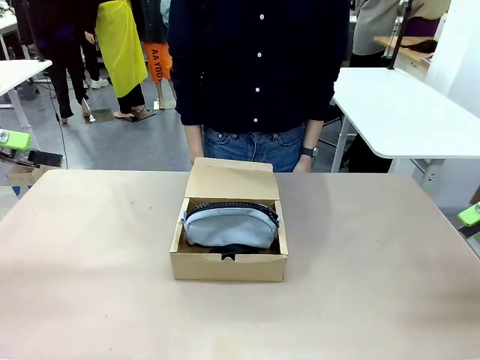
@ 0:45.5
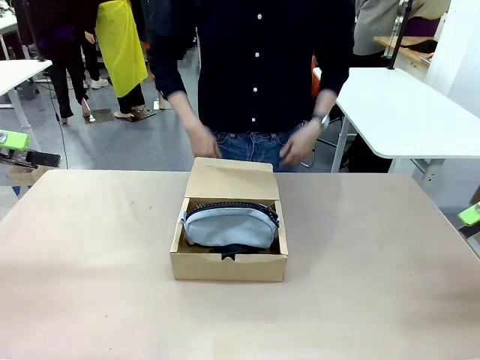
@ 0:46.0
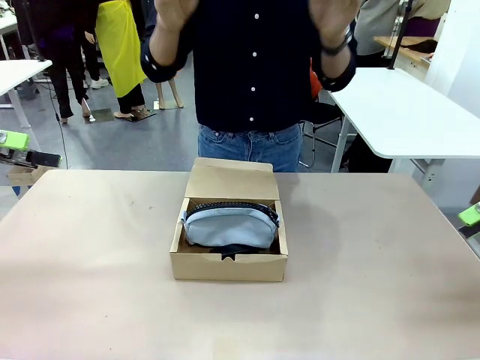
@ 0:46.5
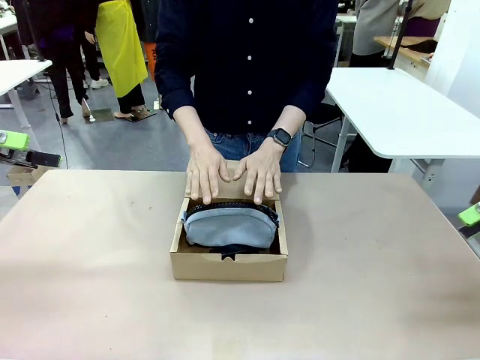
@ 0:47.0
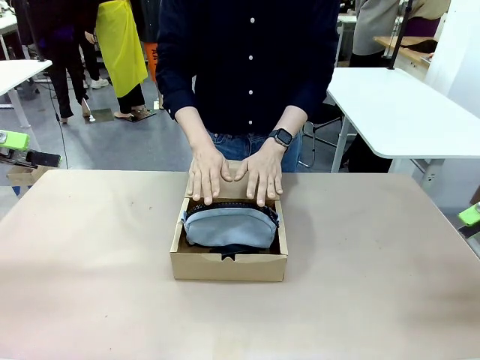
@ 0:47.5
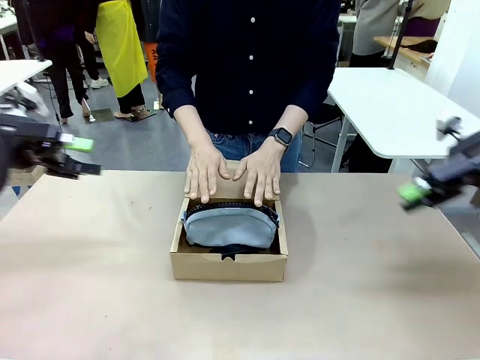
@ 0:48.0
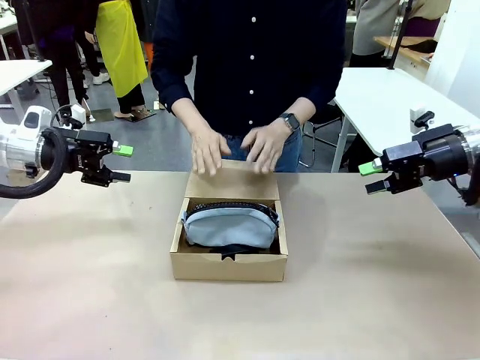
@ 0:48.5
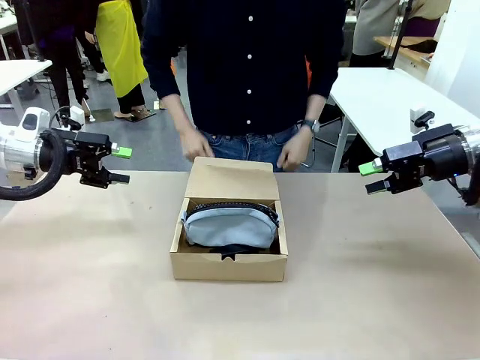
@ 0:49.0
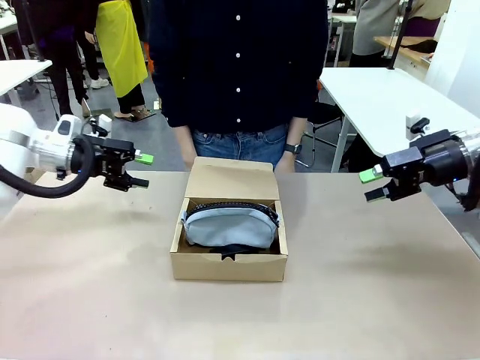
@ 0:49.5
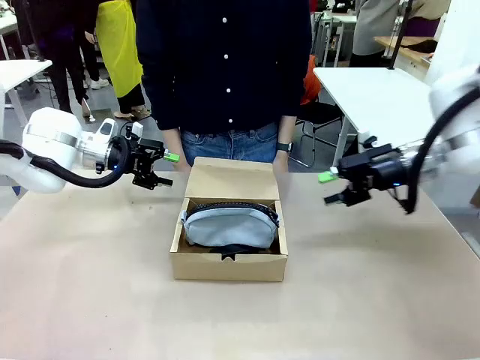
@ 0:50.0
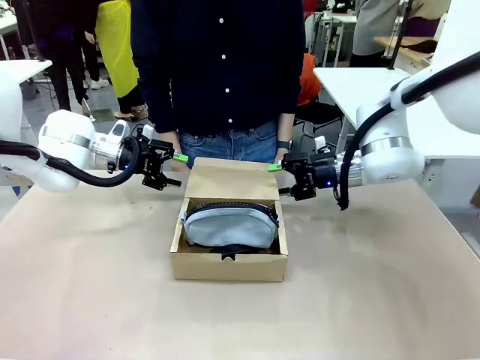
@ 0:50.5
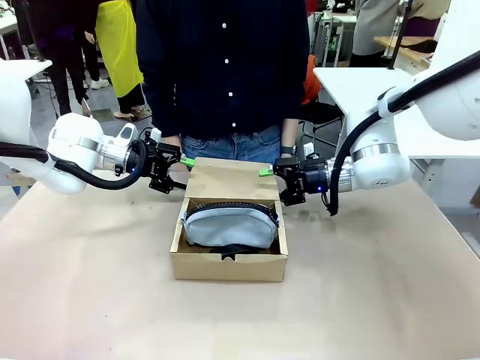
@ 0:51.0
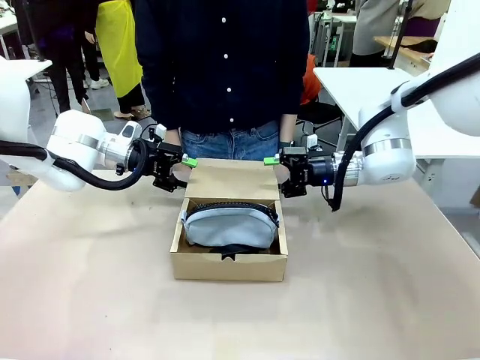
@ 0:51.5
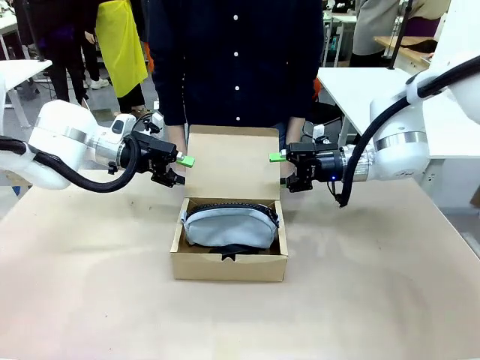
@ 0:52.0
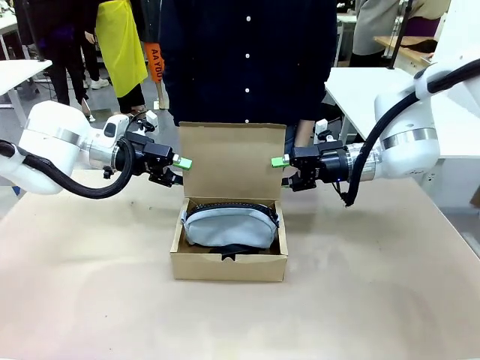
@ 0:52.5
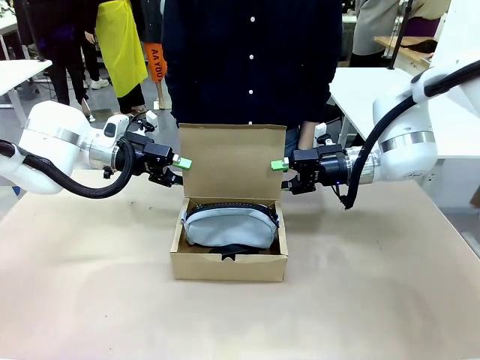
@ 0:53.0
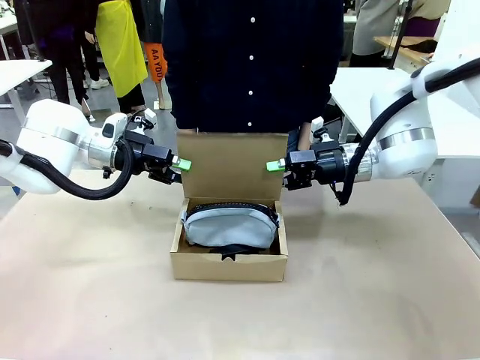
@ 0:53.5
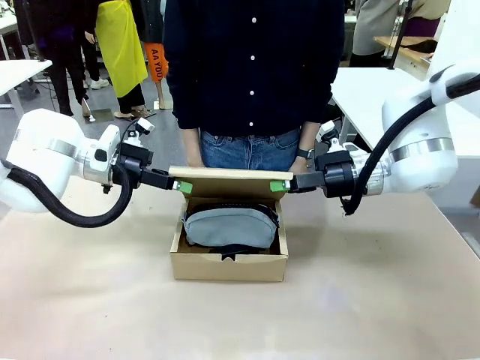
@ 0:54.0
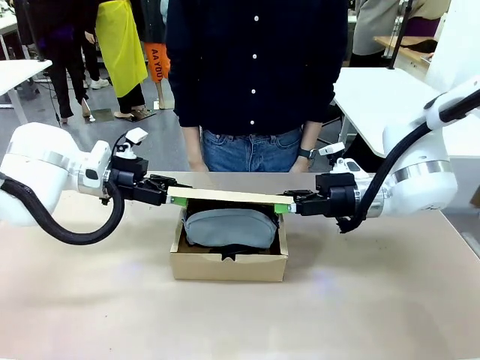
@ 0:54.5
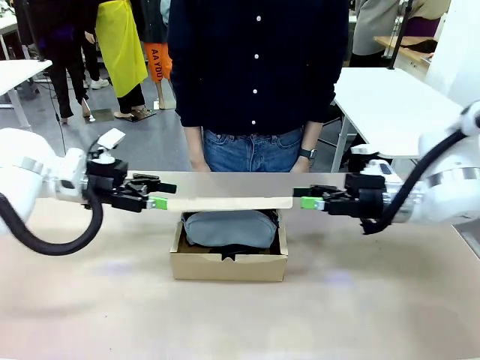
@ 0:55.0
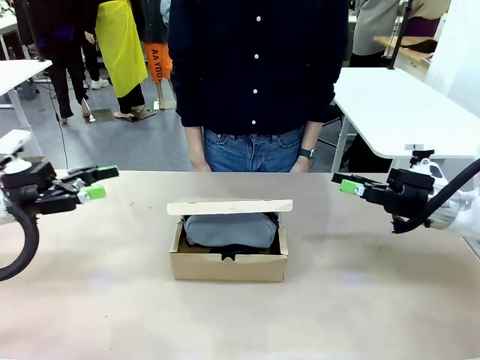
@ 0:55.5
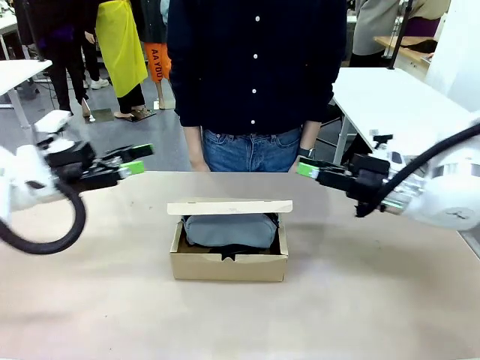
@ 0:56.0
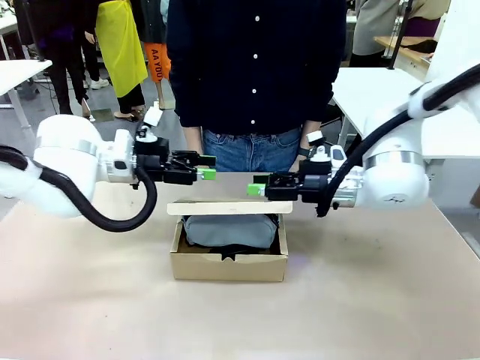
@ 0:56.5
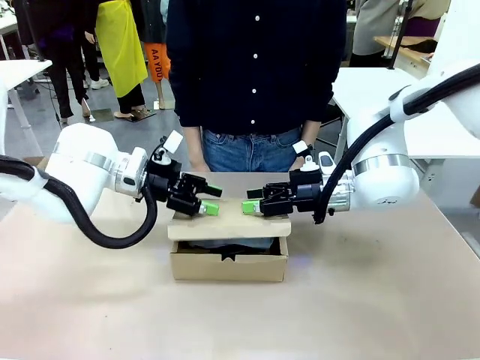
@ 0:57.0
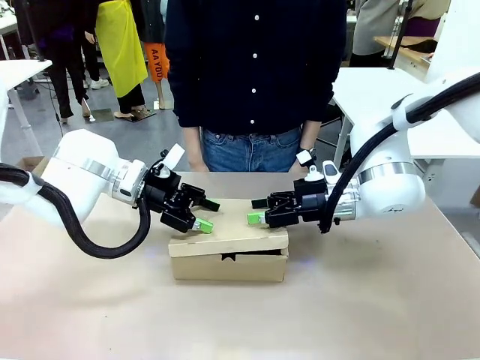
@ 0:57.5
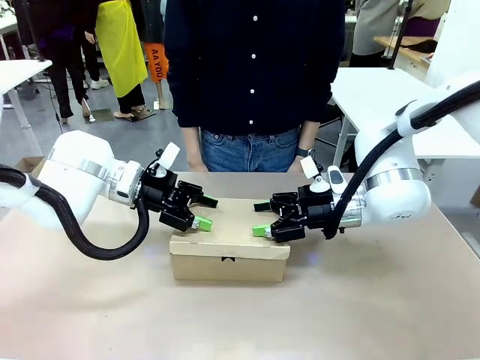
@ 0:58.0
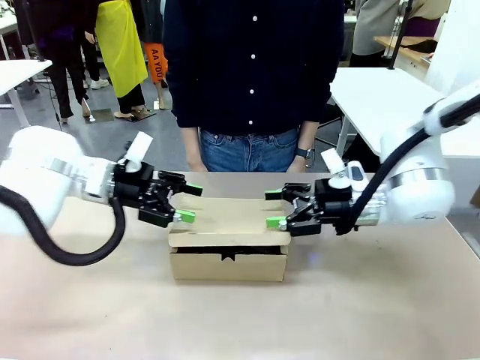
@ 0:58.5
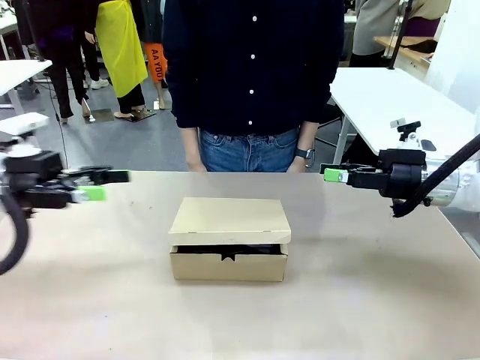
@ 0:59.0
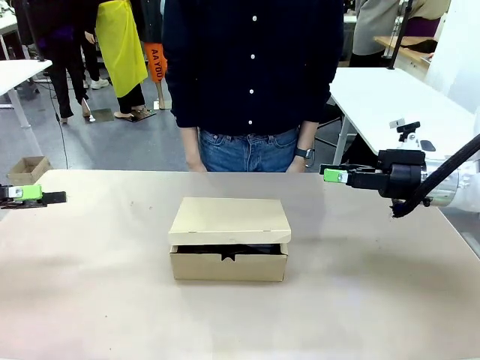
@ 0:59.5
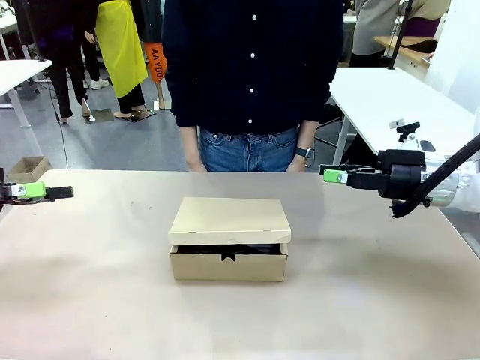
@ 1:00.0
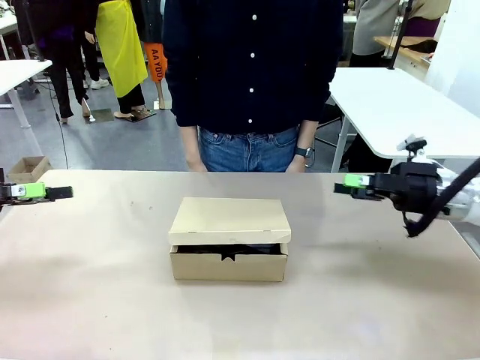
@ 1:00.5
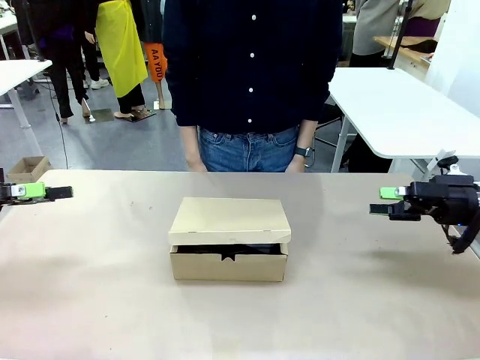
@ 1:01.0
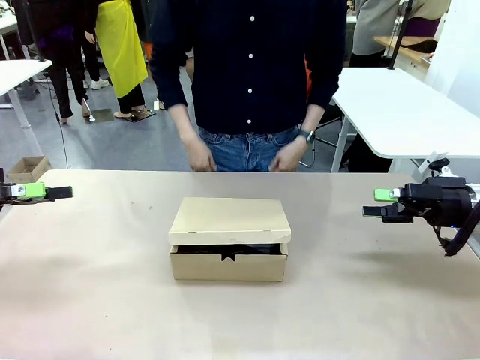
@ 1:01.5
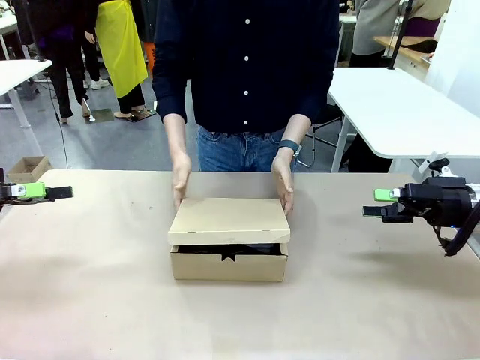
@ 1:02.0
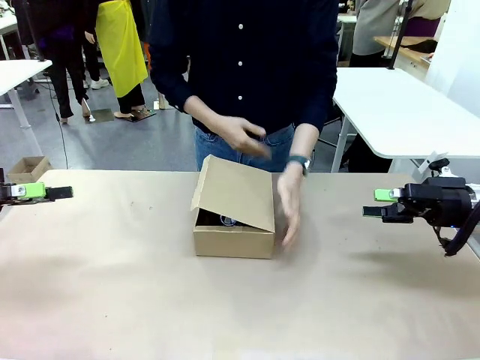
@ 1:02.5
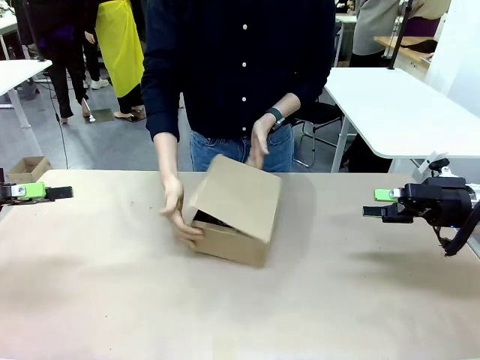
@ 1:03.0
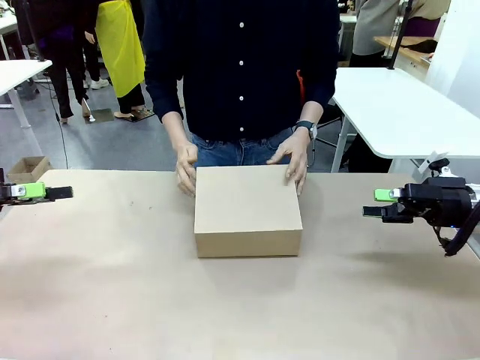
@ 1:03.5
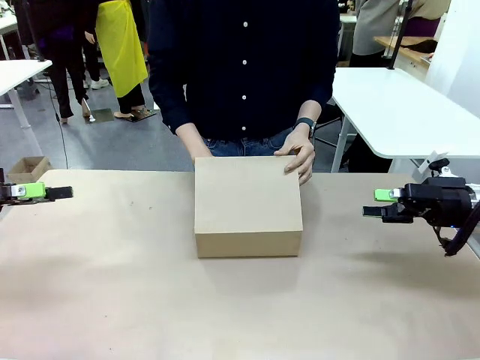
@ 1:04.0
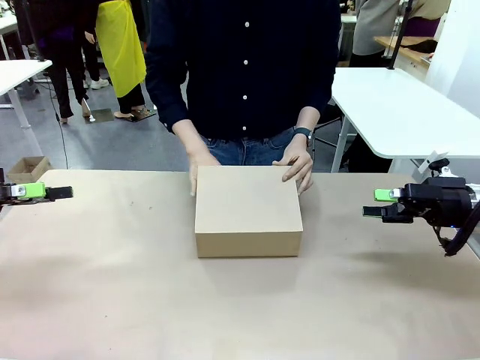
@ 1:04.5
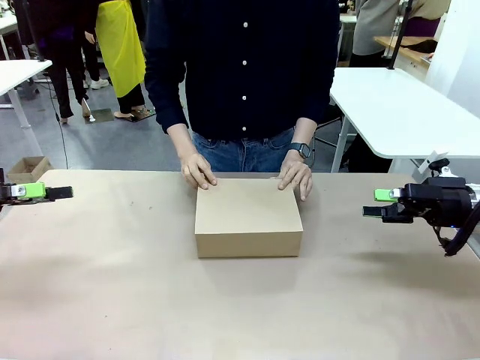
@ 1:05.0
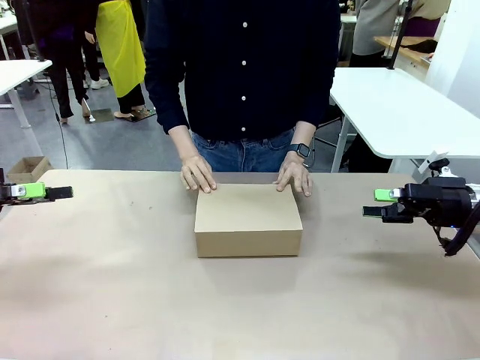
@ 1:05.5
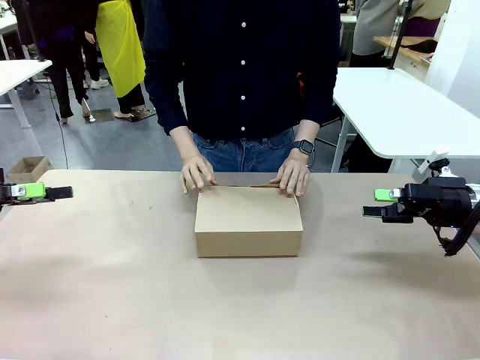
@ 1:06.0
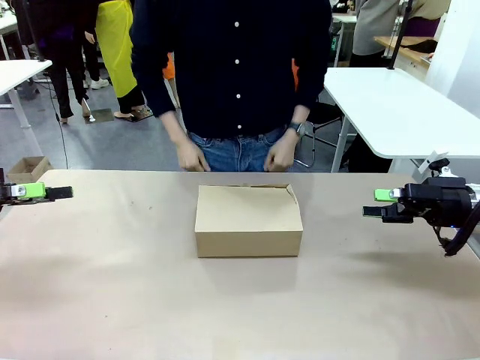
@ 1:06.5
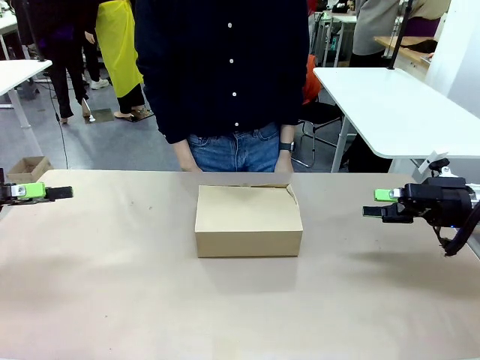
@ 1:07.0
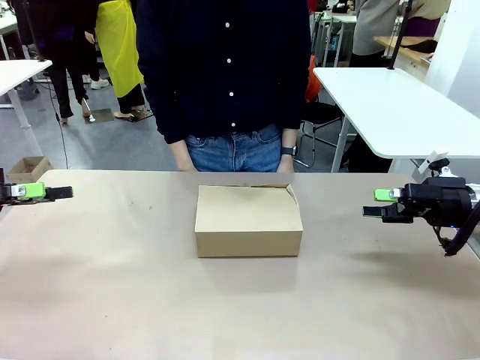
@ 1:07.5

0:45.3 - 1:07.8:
Task: Pack the items into the box.
Robot: Close the Mailer Box.
Person: Turn the box and lock it.

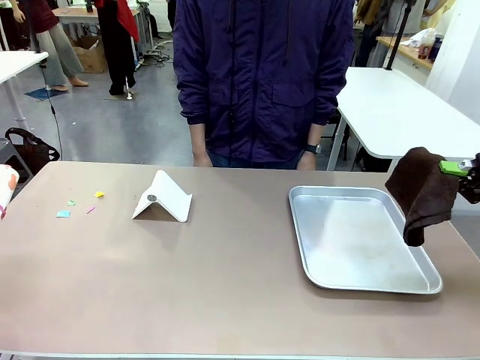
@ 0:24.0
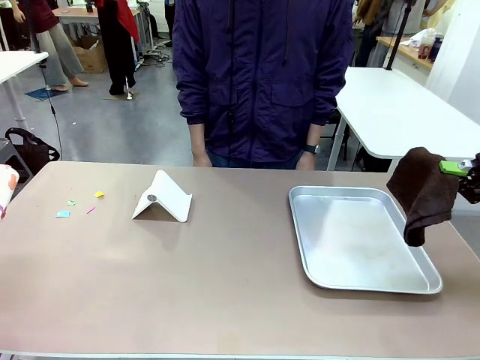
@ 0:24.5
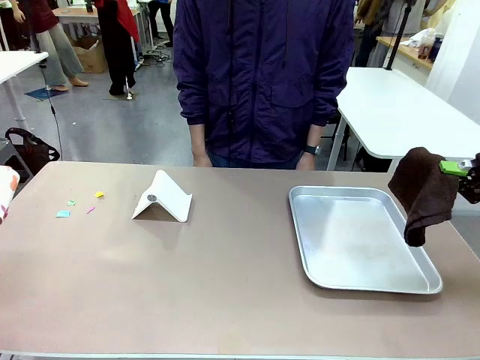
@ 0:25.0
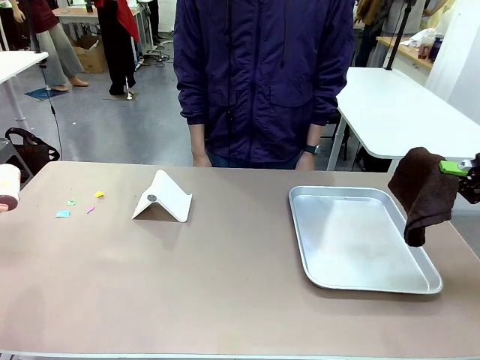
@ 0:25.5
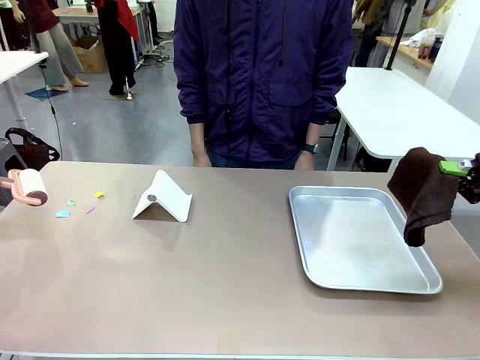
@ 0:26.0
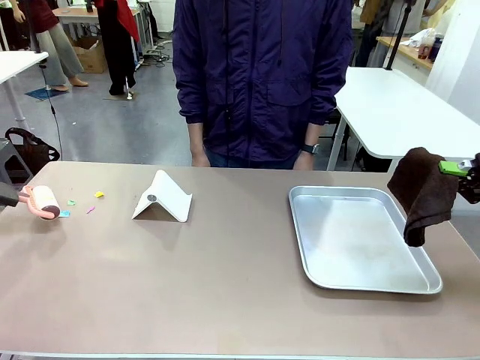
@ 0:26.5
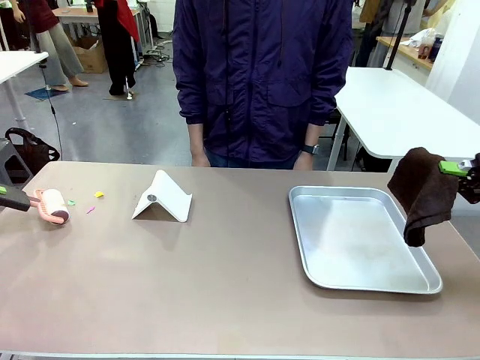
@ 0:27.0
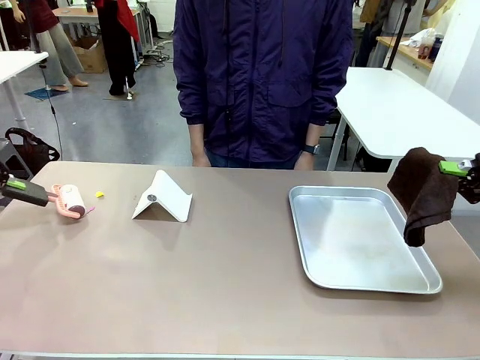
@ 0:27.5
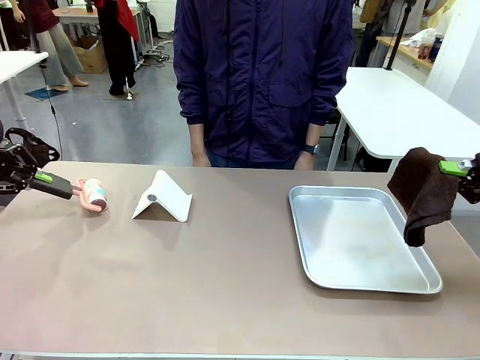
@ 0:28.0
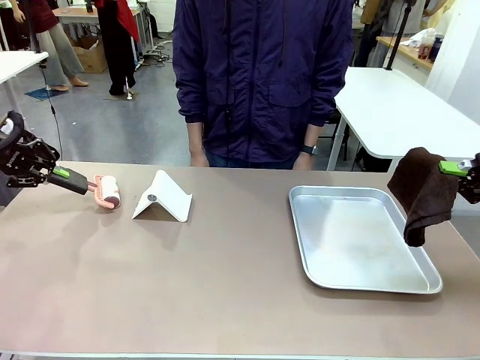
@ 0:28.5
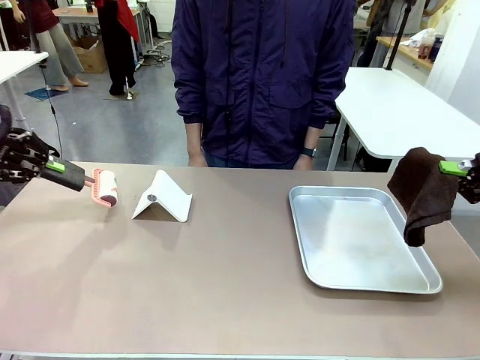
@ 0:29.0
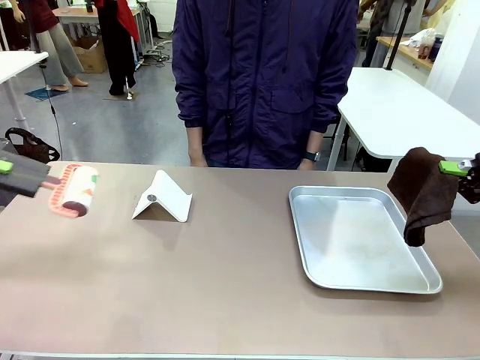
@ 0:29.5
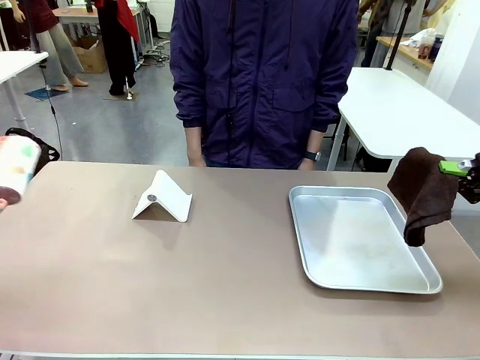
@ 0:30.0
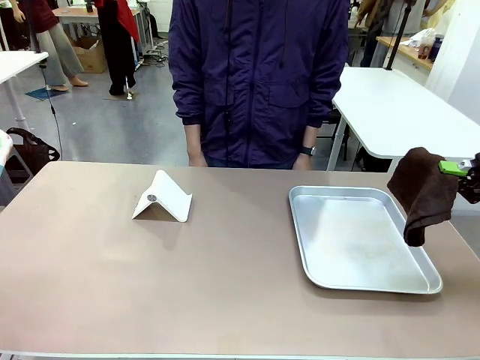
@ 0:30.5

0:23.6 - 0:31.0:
Task: Clean the surface of the table.
Robot: Clean the area not pointed to by the person.
